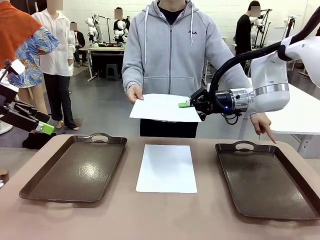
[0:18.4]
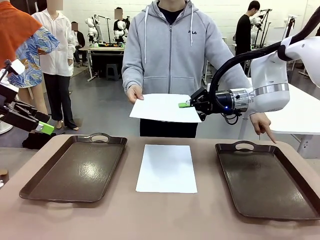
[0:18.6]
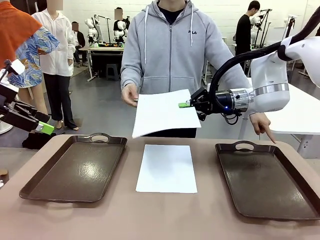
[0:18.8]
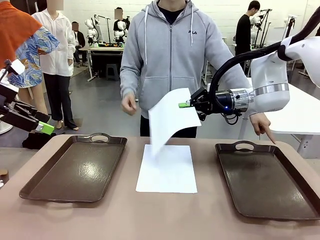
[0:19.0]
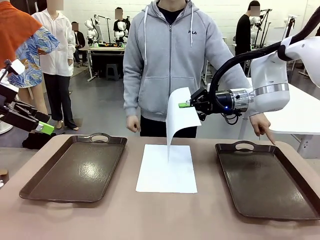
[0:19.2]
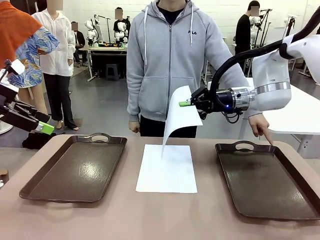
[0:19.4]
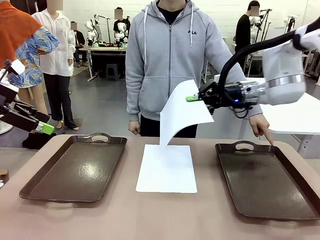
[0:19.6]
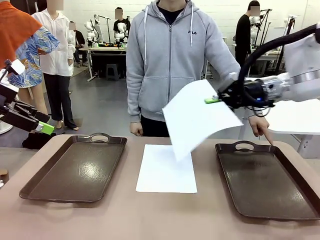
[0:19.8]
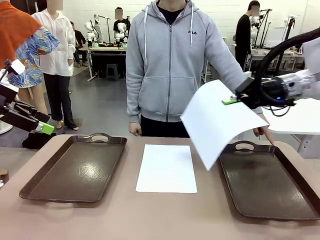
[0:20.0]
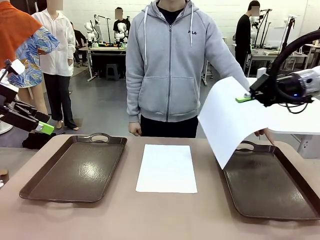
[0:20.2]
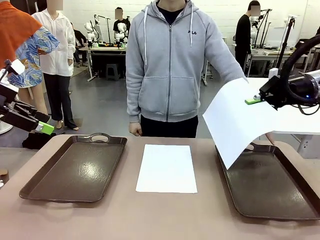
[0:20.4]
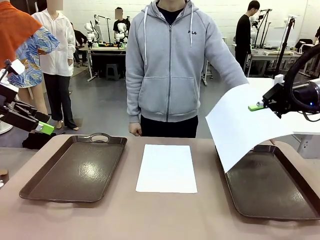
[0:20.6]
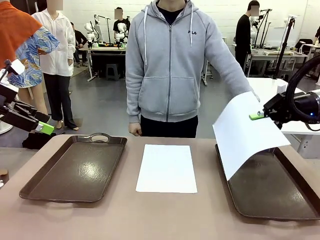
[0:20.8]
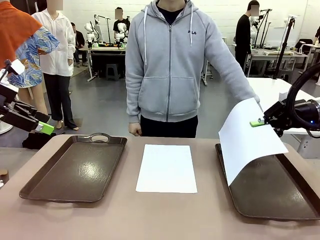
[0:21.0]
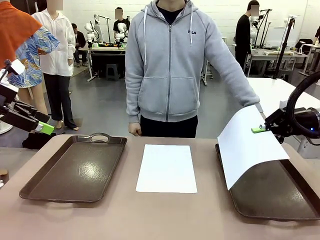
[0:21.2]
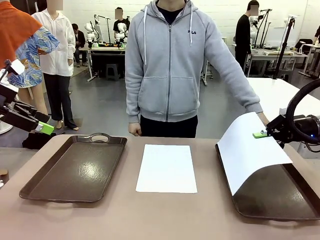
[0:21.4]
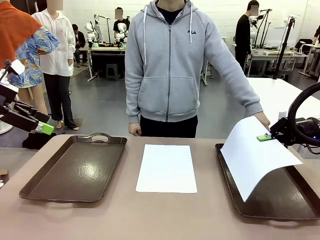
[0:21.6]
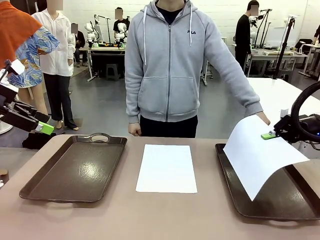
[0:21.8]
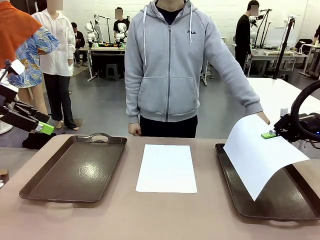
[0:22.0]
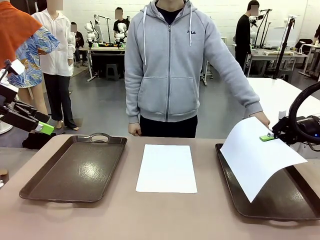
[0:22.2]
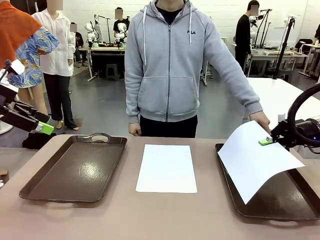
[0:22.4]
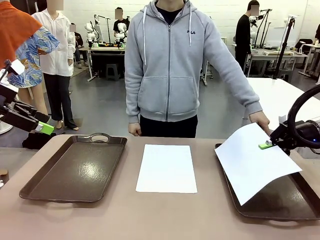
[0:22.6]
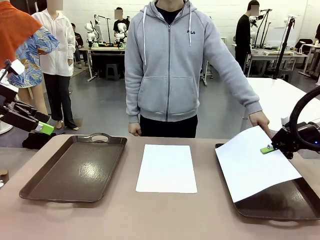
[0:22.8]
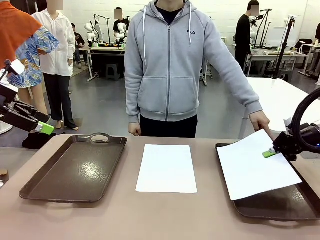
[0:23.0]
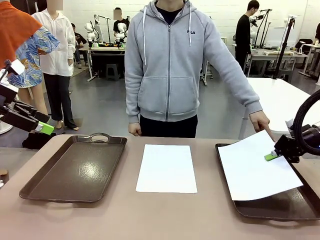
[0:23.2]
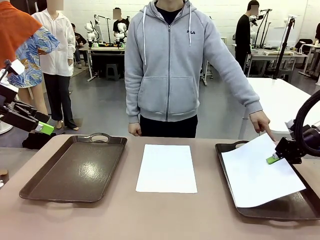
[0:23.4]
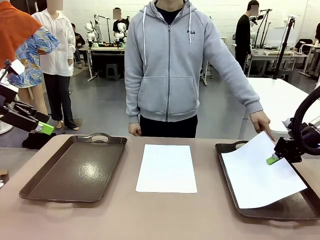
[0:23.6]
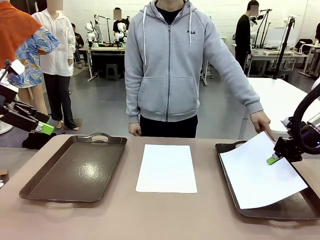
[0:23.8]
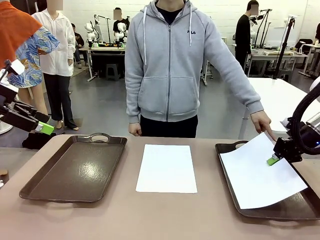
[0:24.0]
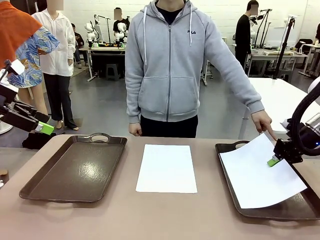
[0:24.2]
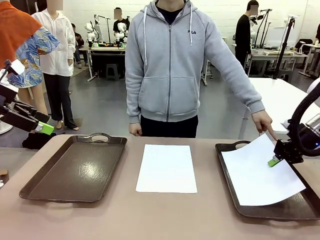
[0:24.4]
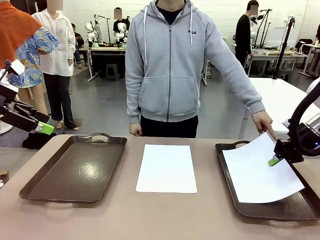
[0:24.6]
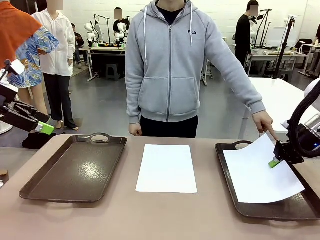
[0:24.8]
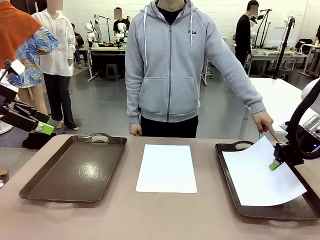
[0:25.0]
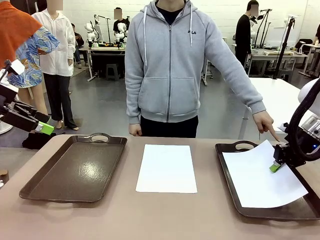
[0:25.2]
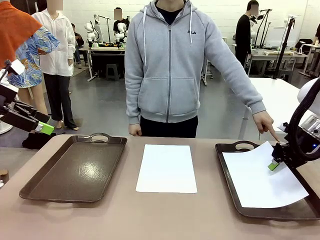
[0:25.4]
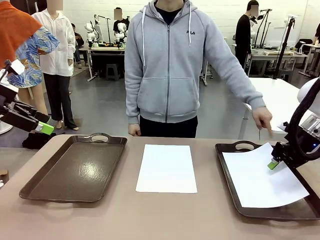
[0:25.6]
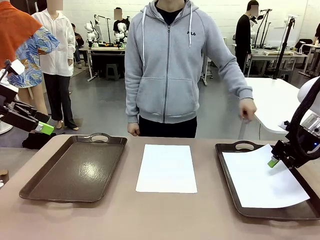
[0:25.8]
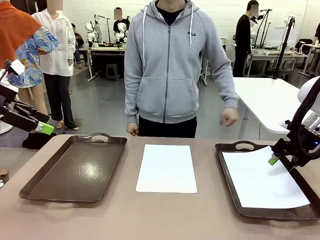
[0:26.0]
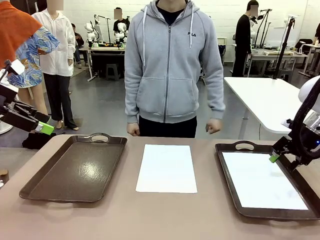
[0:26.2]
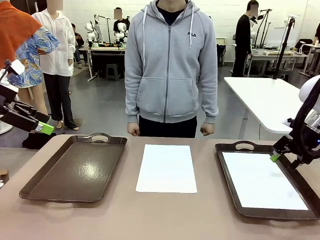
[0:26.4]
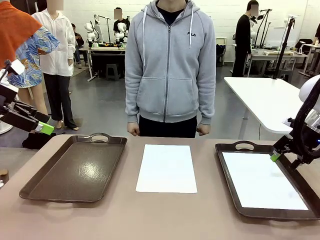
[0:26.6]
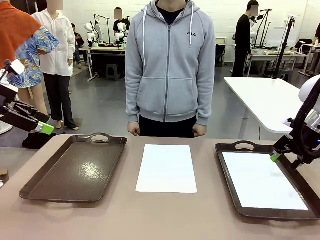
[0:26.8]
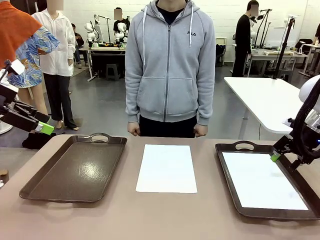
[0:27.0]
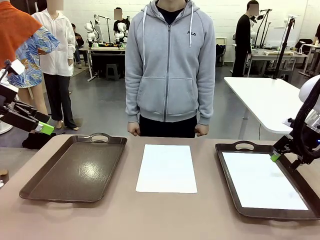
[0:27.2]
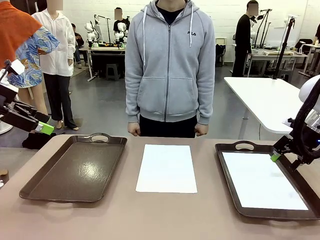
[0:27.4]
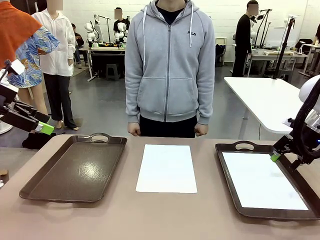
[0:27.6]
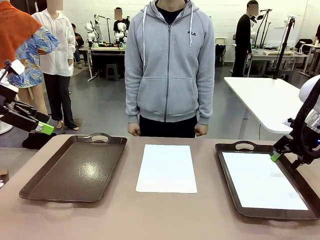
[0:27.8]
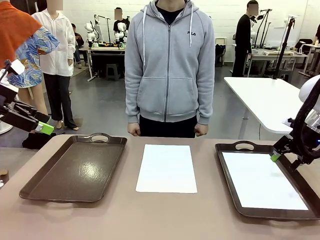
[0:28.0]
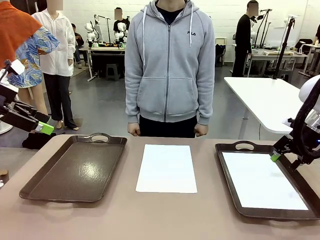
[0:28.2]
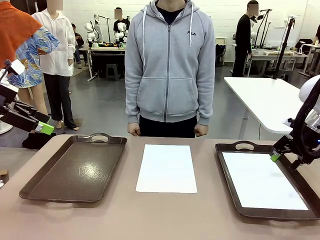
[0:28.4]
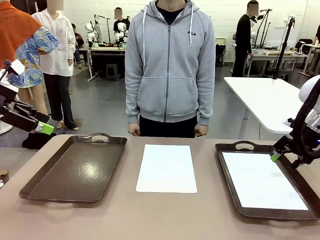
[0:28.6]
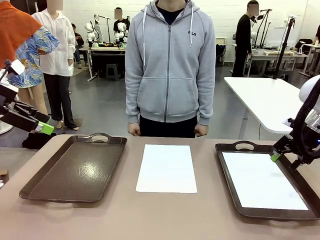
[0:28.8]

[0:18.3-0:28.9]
Task: Sort the A4 documents.
Robot: Place the A4 Paper in the designated Handle tray.

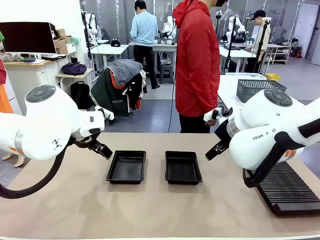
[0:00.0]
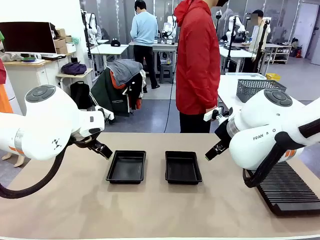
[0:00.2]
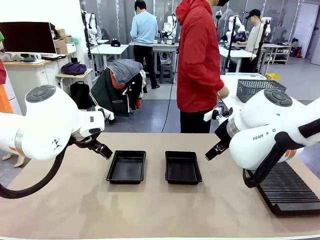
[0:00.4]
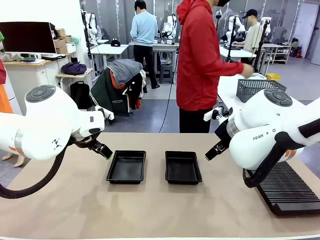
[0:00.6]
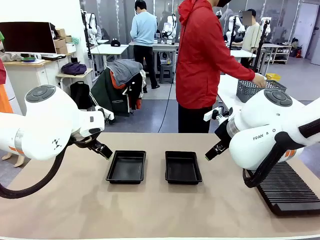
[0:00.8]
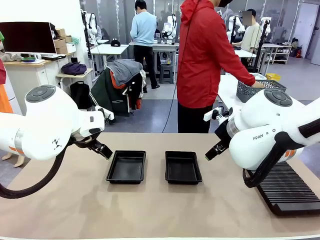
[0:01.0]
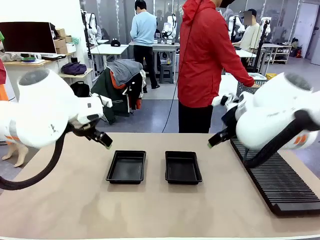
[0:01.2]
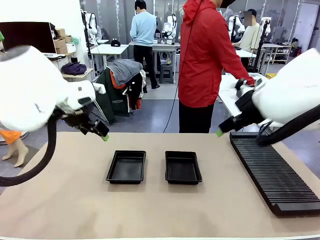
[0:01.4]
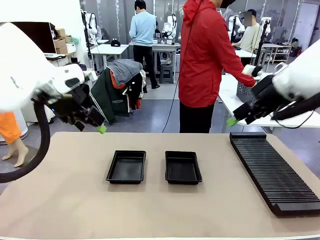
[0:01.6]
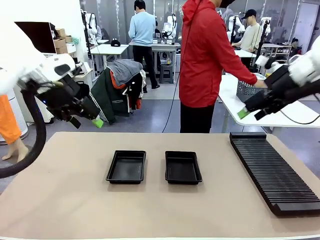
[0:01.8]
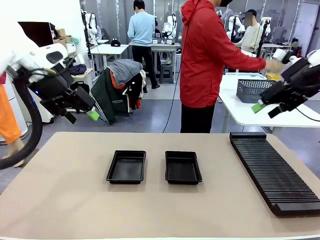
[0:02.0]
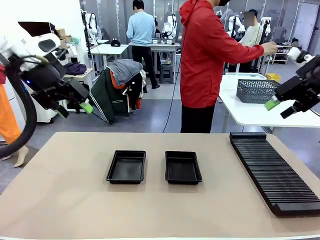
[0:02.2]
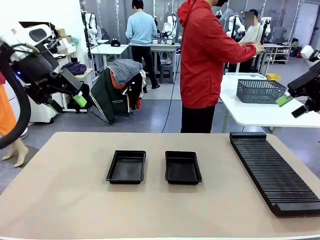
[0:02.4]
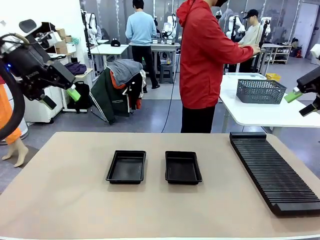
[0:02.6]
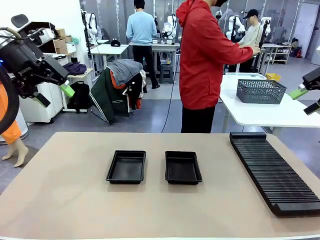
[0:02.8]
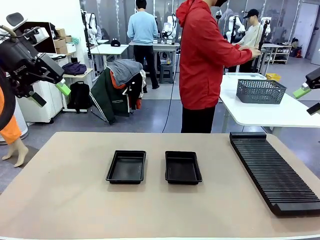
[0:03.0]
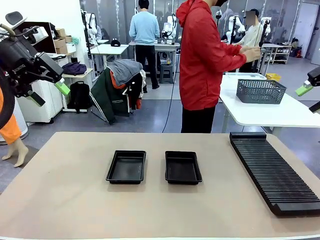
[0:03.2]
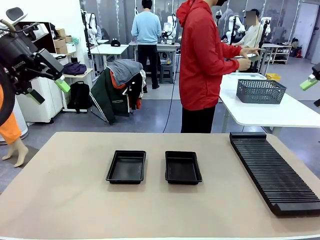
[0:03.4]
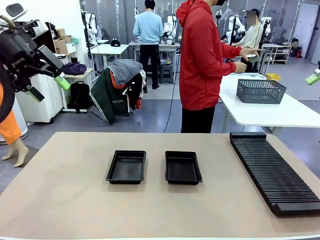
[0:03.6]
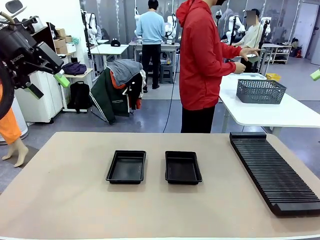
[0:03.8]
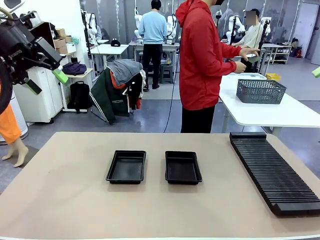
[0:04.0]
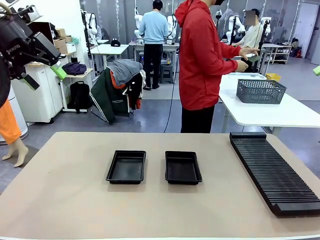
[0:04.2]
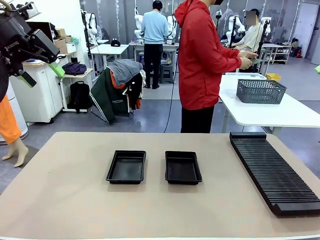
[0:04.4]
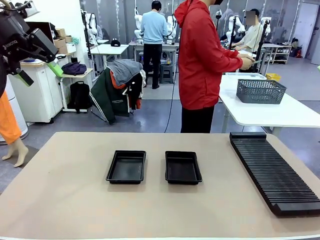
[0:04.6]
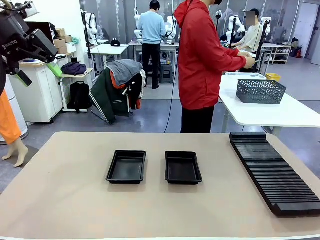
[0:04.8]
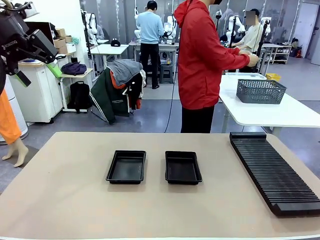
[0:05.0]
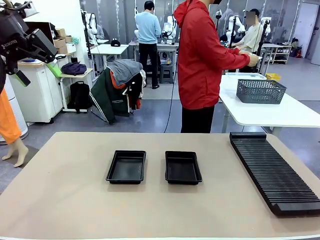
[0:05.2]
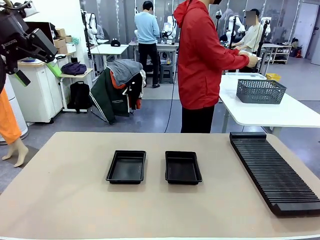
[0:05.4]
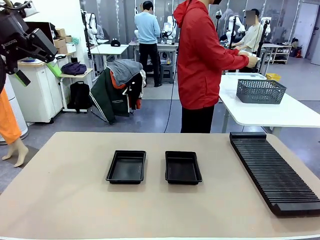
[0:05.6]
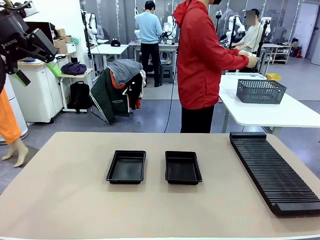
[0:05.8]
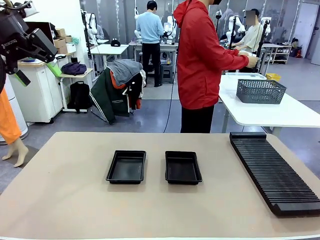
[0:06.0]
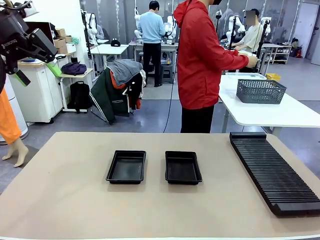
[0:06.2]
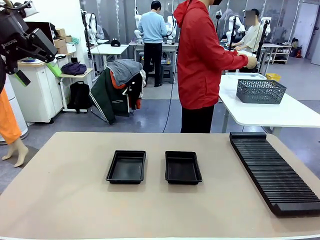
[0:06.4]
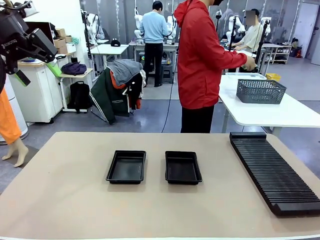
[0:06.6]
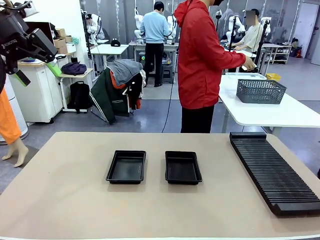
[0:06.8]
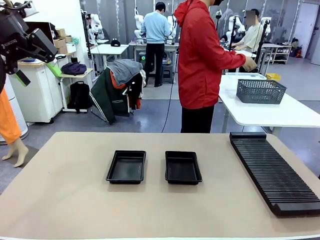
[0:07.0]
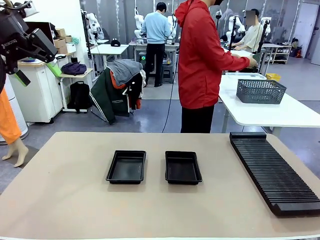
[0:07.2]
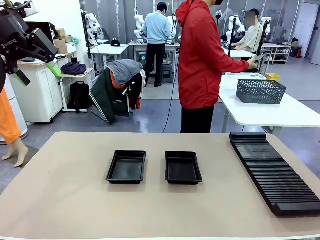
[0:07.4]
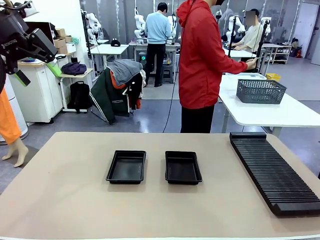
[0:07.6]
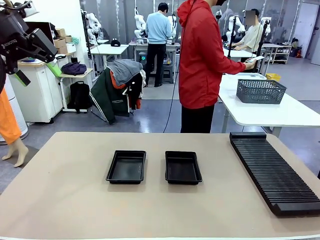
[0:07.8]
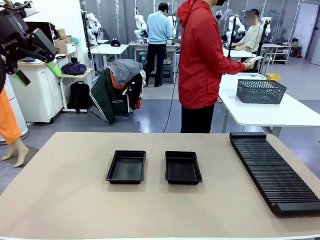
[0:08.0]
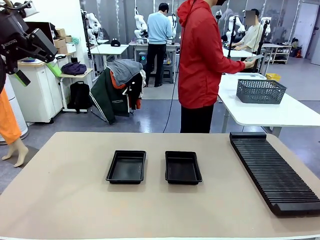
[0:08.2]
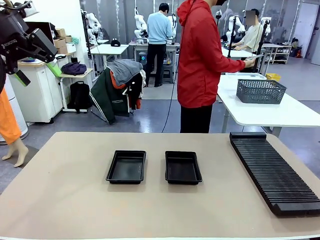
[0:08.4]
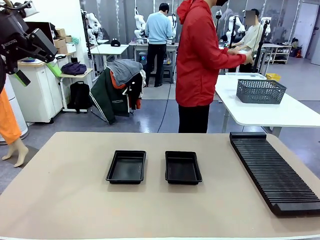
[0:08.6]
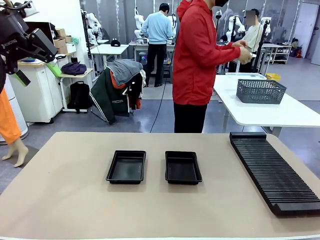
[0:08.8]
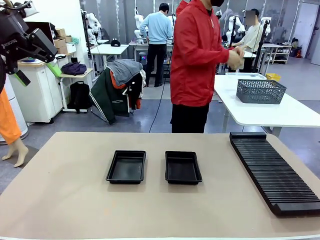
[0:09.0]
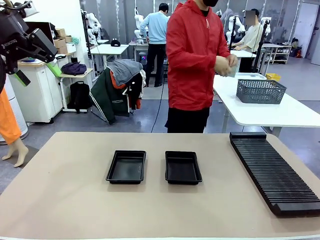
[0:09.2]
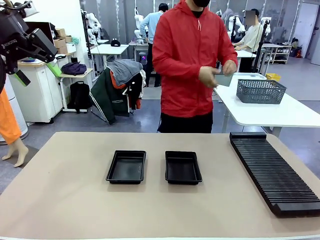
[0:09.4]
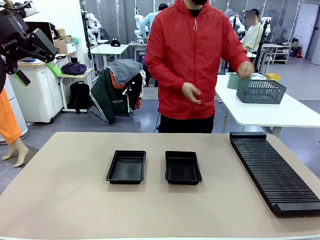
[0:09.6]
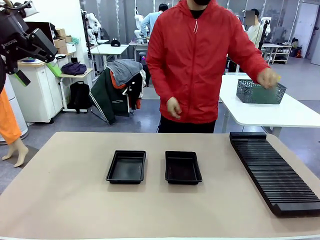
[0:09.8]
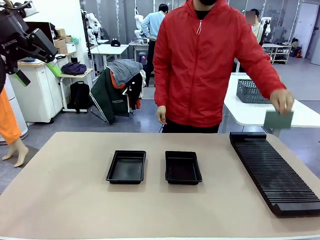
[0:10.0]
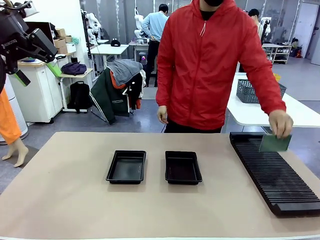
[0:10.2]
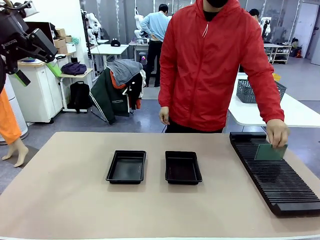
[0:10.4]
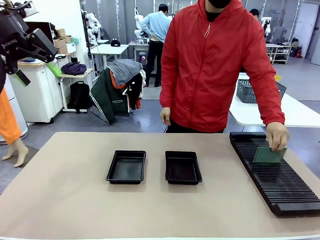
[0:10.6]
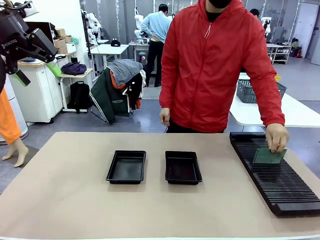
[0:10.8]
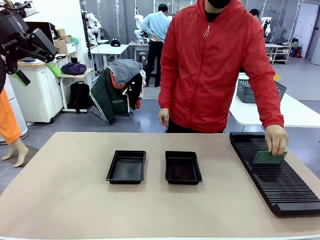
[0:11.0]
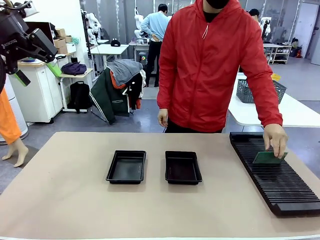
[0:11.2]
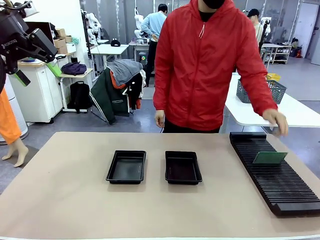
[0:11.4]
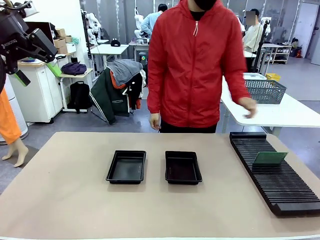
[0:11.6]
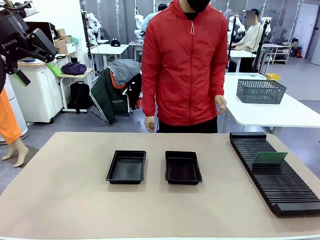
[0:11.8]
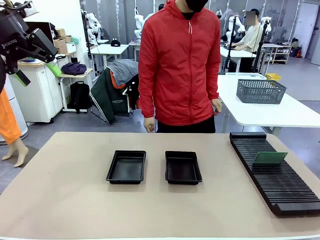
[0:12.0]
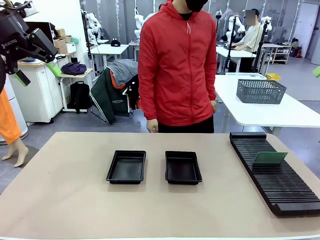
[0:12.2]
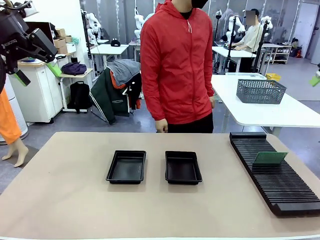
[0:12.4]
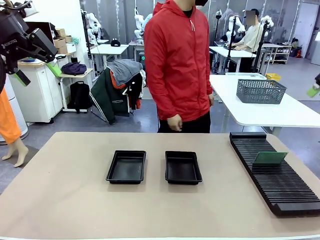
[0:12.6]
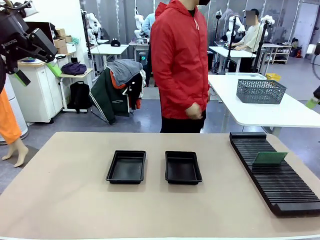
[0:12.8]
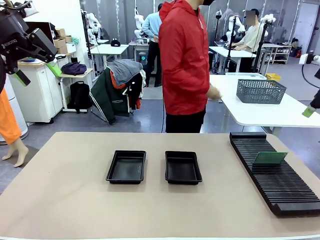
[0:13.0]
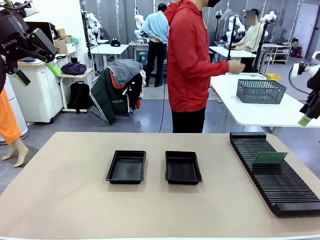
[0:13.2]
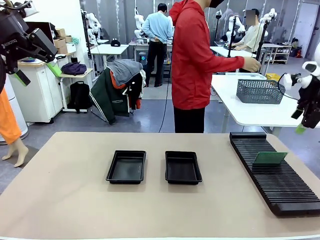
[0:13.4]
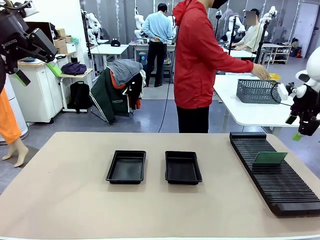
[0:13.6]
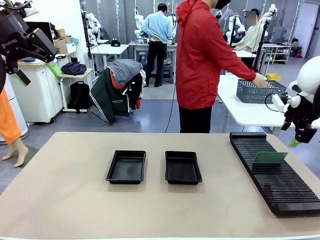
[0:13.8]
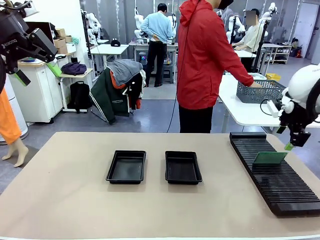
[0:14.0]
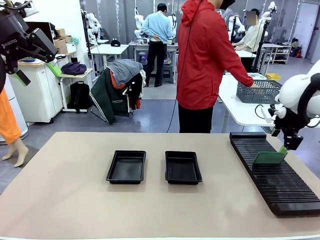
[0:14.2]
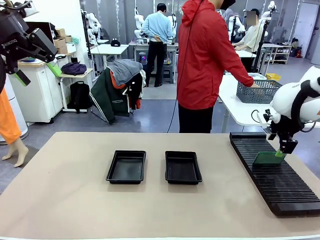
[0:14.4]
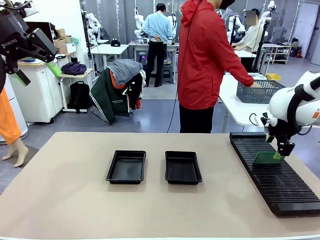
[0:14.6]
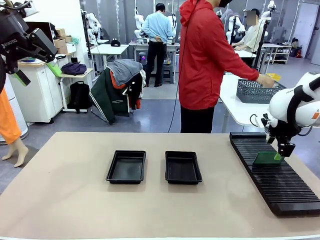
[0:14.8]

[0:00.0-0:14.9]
Task: Inspect and transfer BCBs to ESD trays.
Robot: Pick up the Blank PCB from the PCB Rack and place it in the left ESD tray.
